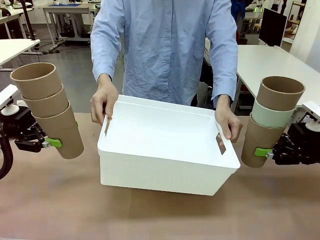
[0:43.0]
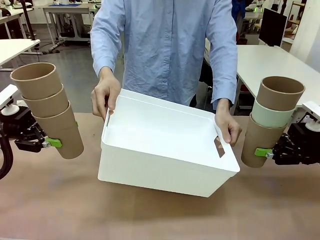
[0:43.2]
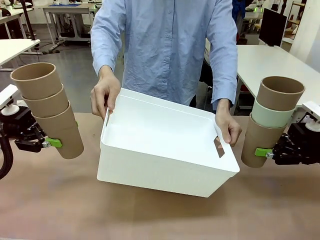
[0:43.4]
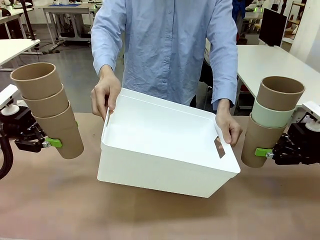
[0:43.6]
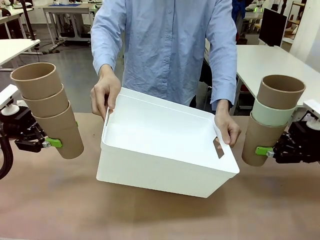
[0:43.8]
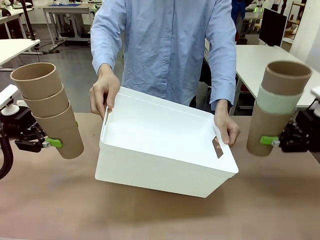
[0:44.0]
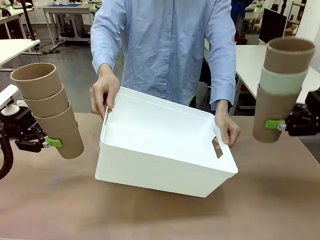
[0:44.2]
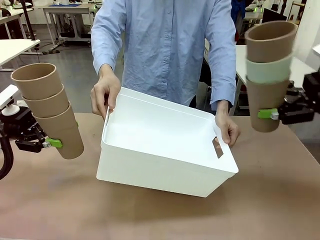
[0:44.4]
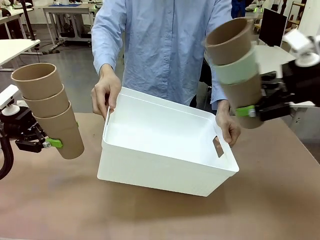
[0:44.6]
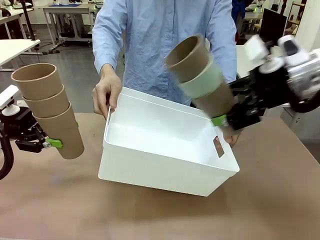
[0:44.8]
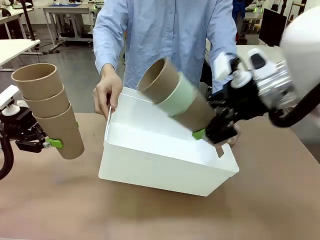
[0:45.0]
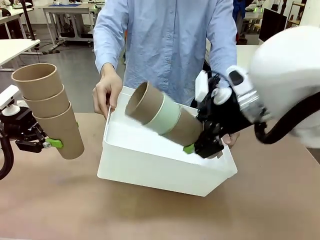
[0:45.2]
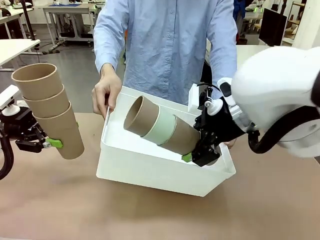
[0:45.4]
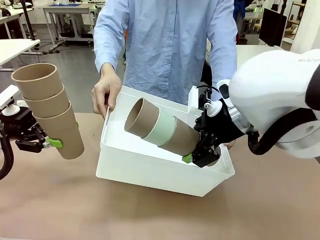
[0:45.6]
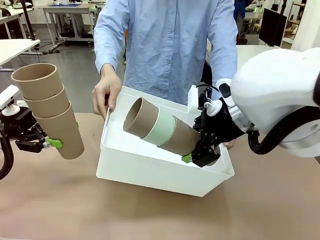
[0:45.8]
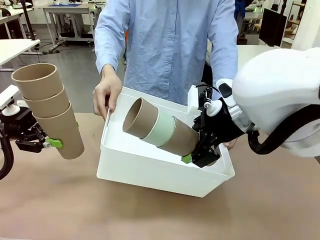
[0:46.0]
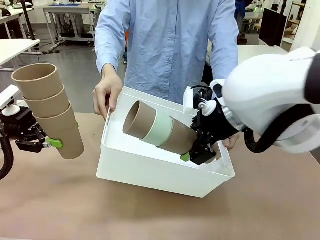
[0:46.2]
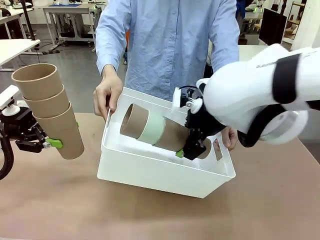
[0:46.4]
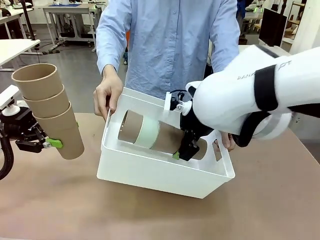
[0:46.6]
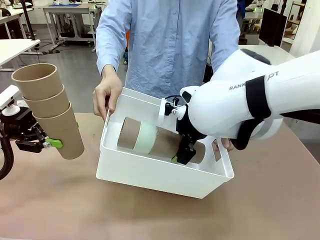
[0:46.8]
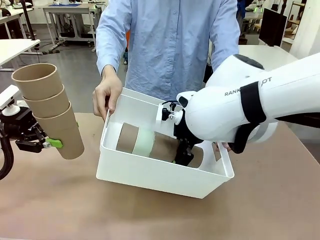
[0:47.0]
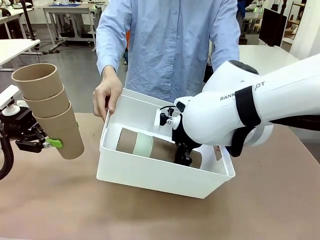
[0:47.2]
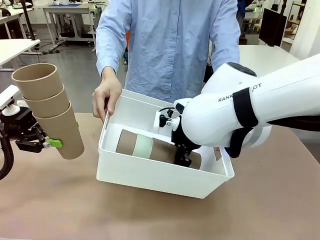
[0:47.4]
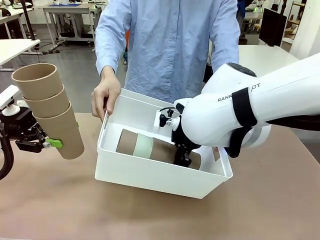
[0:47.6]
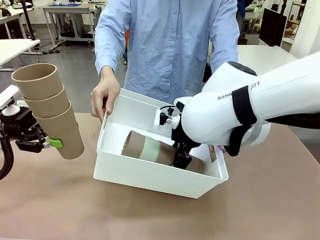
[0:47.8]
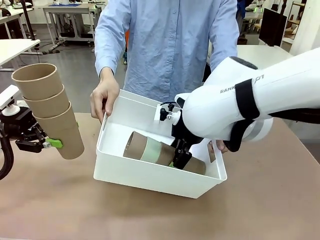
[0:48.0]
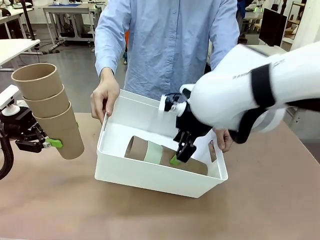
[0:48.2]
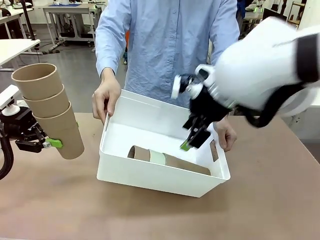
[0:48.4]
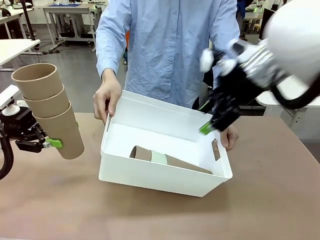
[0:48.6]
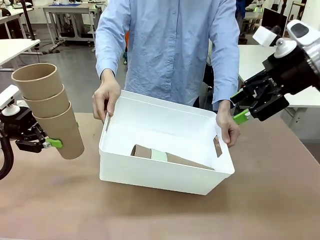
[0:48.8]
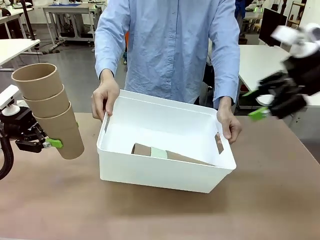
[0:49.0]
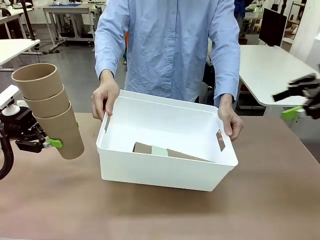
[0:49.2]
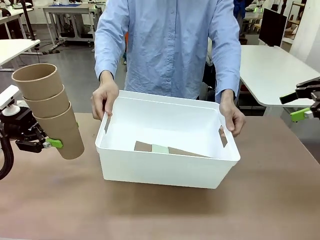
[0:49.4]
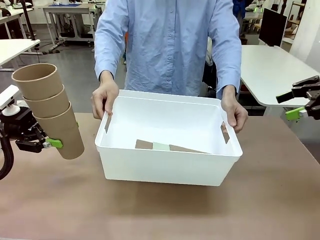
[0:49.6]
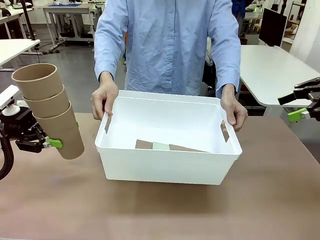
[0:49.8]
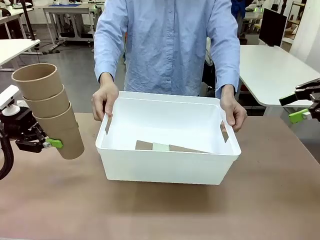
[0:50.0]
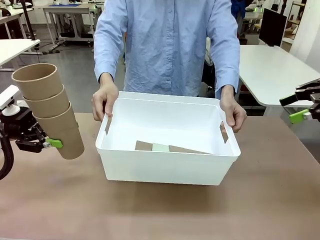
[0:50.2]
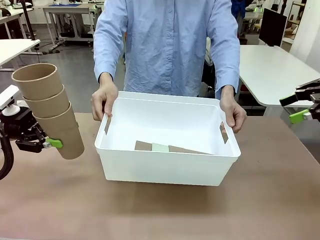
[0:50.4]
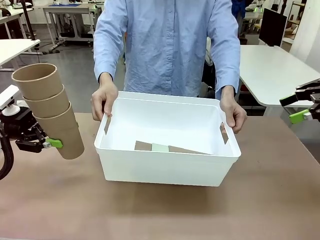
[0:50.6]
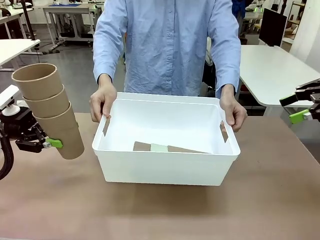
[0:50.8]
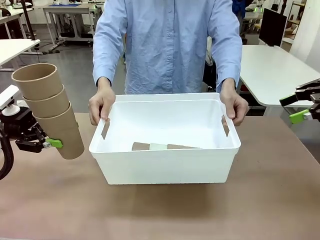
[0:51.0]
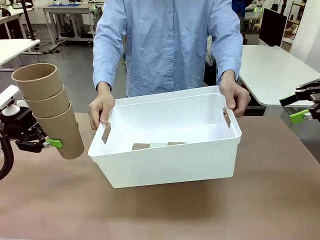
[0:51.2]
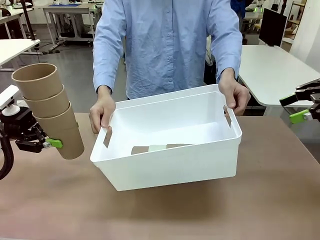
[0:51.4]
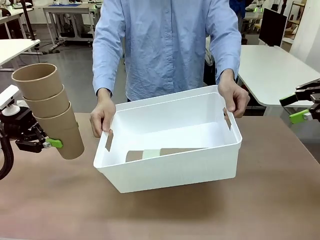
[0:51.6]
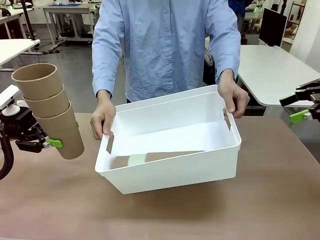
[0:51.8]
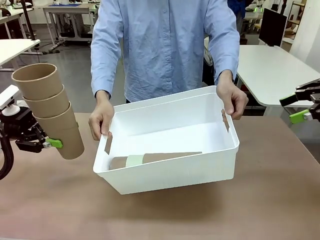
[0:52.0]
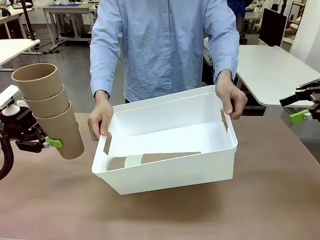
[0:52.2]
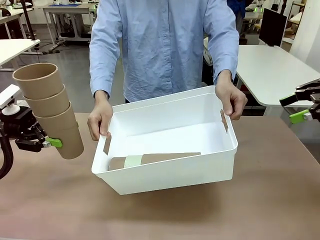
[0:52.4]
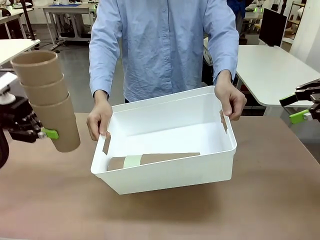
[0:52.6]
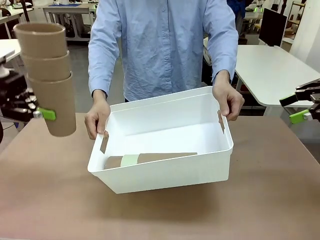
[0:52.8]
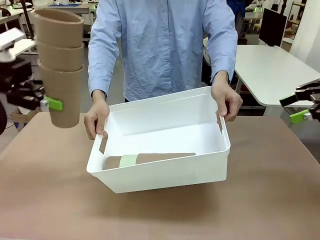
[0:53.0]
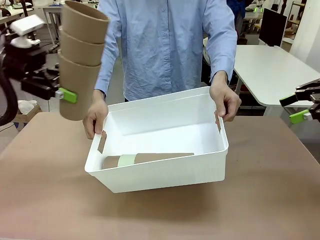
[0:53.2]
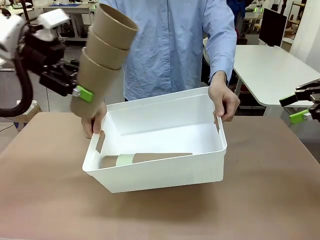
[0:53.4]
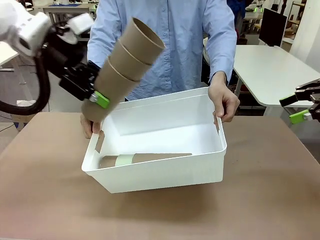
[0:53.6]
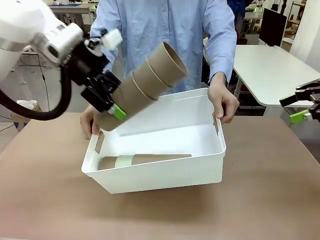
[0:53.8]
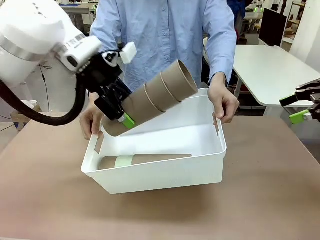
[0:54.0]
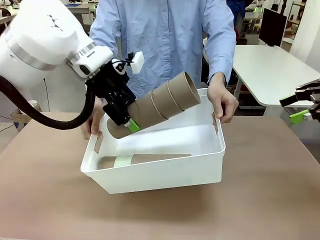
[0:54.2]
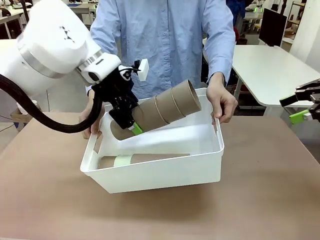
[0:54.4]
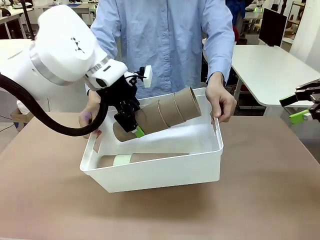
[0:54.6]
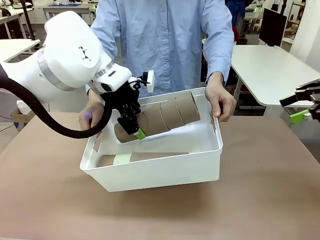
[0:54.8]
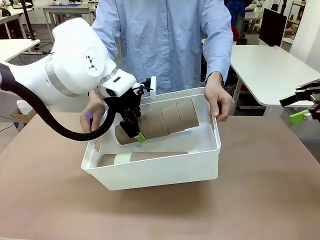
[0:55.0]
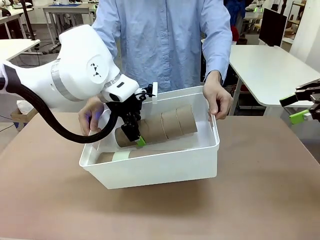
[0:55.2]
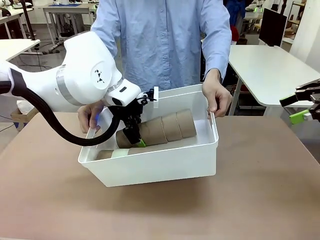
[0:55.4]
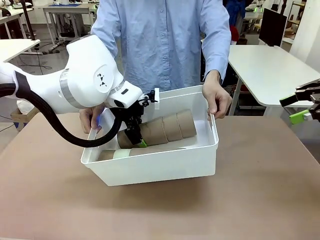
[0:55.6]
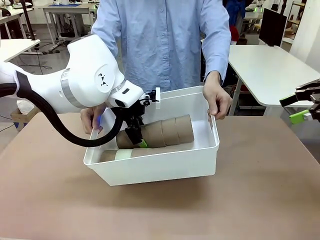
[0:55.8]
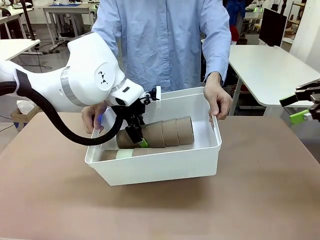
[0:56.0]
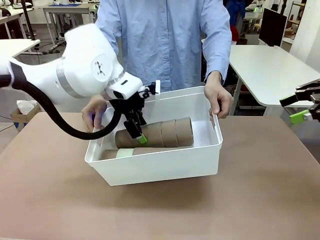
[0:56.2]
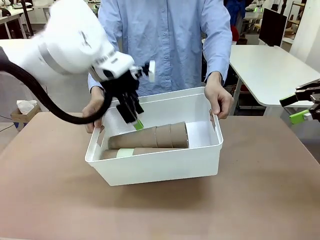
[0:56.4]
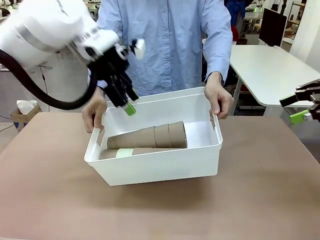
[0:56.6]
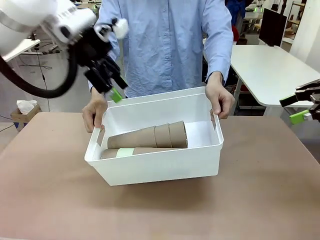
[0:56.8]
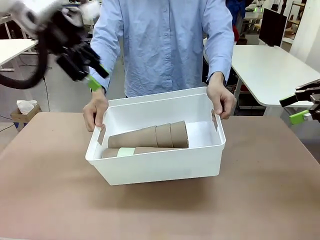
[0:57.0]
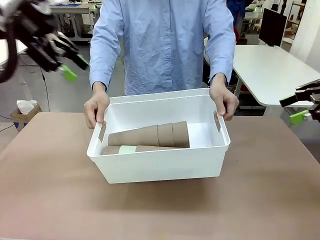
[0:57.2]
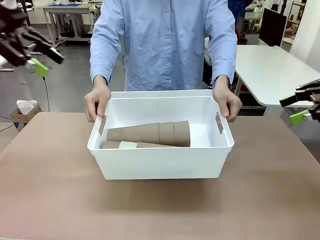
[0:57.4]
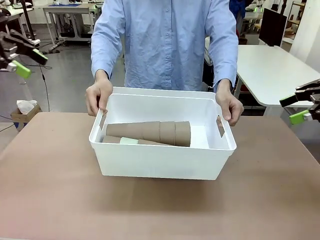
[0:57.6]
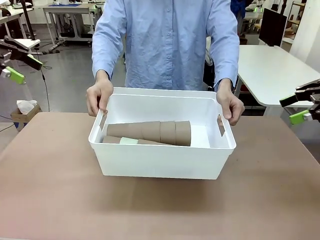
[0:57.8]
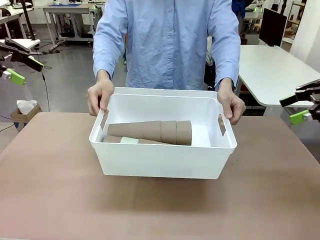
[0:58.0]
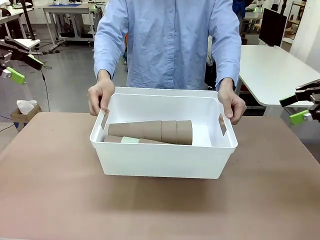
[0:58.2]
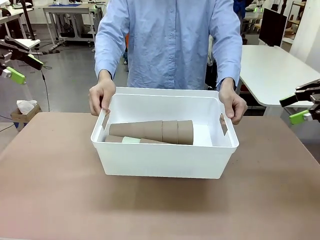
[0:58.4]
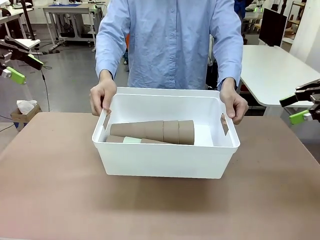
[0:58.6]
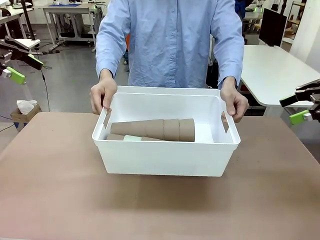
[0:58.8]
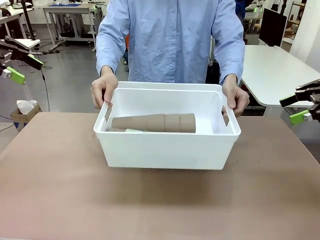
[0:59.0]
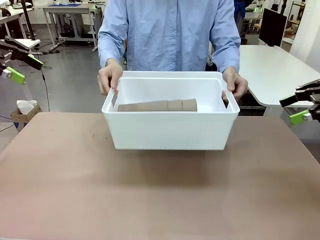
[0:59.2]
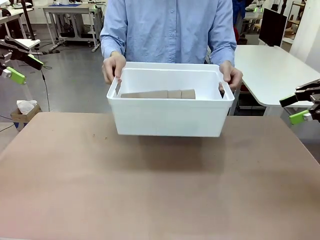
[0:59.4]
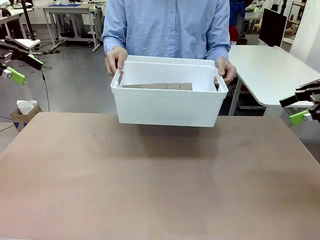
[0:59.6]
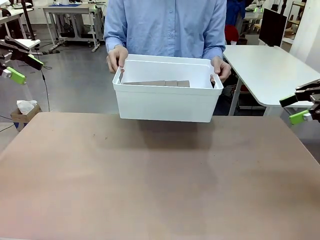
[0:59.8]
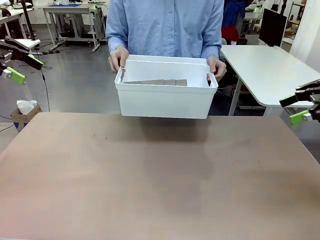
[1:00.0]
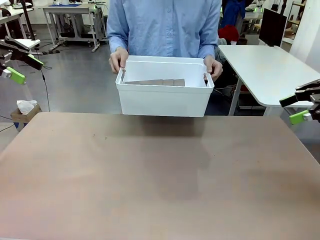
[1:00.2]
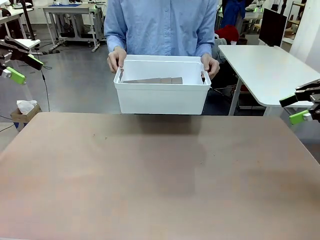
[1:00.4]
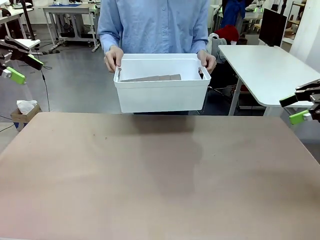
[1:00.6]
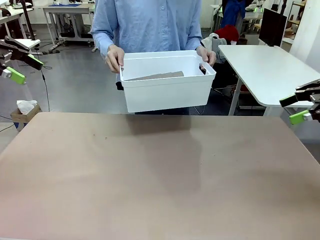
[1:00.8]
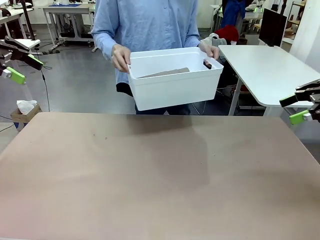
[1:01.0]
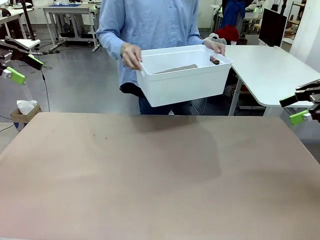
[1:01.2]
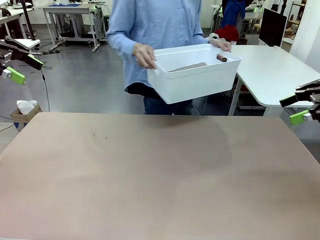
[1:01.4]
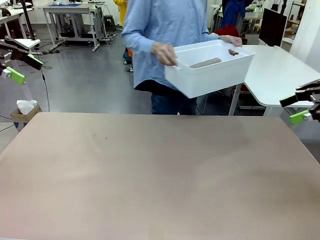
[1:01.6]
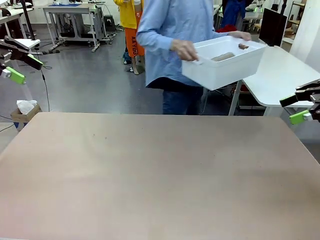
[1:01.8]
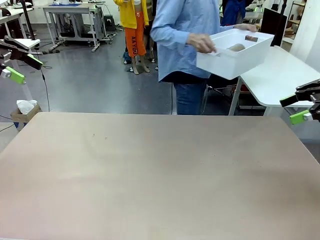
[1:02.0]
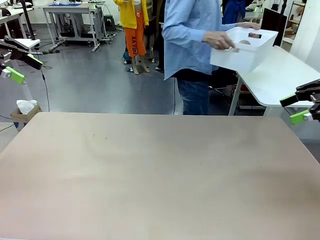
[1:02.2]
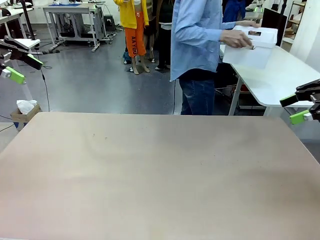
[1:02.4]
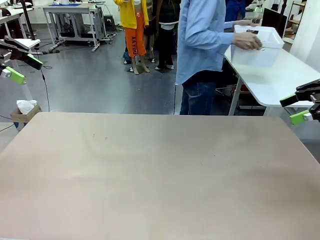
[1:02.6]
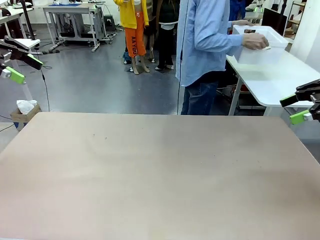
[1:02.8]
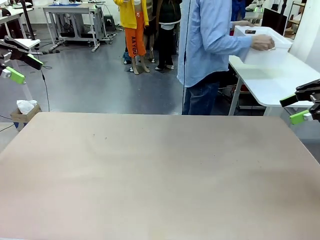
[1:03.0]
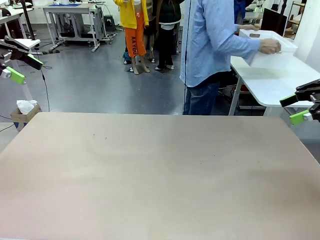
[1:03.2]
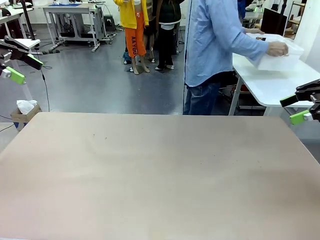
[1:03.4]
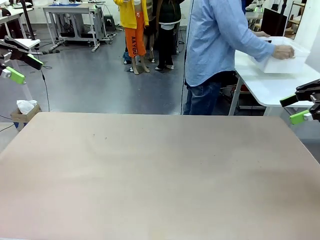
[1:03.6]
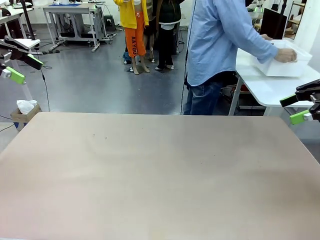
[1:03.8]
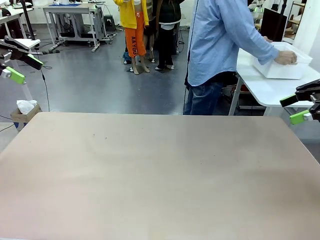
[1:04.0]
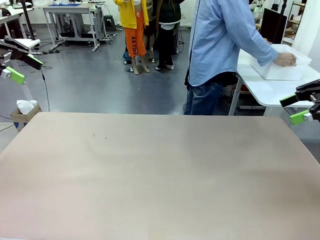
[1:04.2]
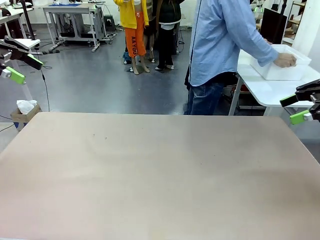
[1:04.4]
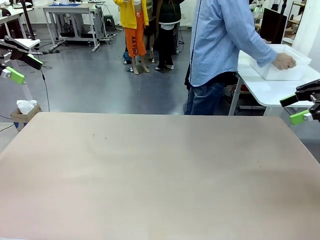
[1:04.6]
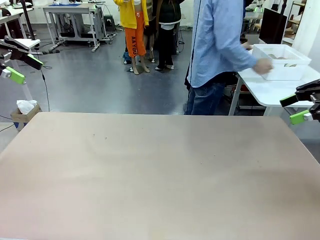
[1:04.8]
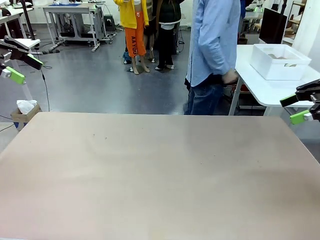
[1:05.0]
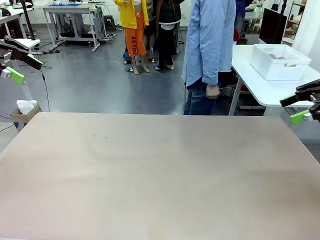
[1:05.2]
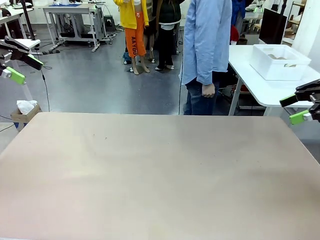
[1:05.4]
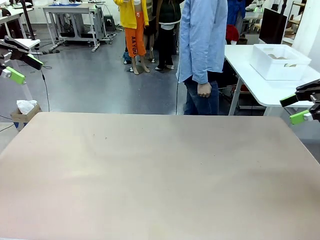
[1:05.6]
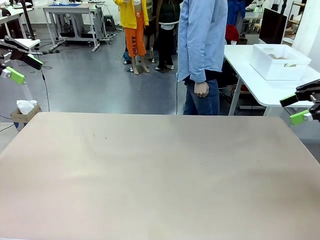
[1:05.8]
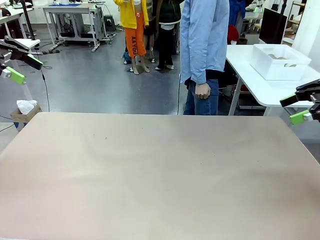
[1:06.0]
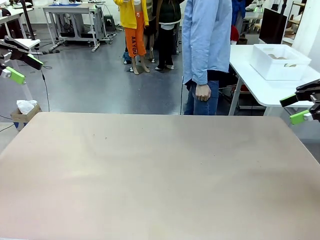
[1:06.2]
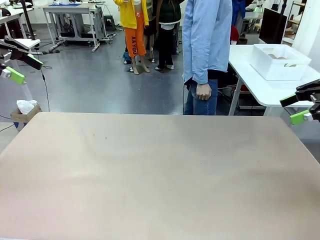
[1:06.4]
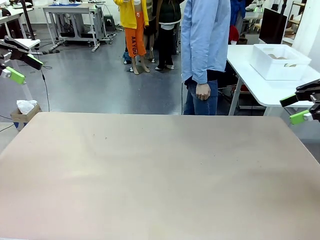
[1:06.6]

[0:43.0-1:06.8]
Task: Stack the cups and store them in the basket.
Robot: Place the stack of Reusable plastic cups into the Pantry Basket.
Person: Place the basket containing the cups in the middle of the Human Table.
